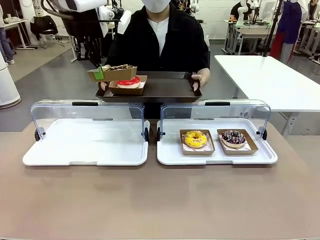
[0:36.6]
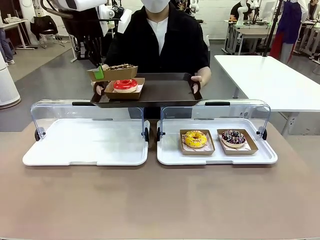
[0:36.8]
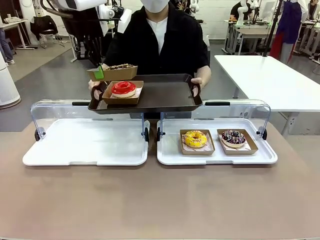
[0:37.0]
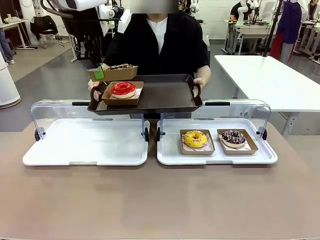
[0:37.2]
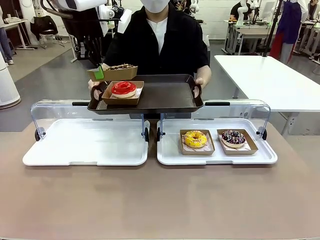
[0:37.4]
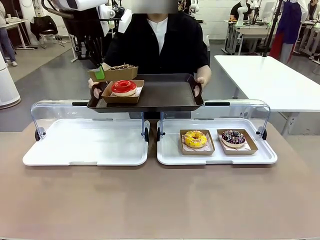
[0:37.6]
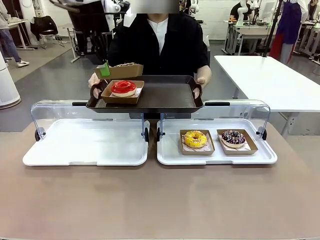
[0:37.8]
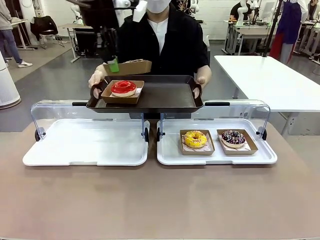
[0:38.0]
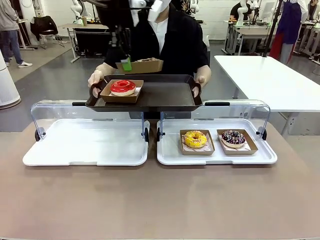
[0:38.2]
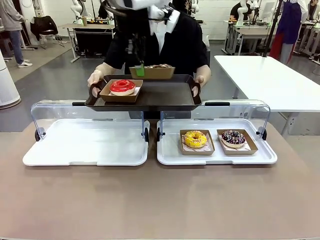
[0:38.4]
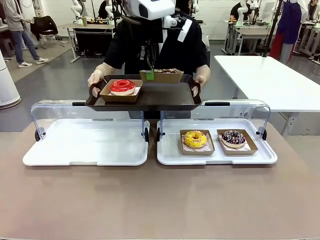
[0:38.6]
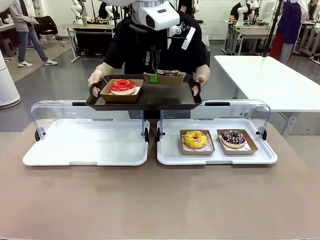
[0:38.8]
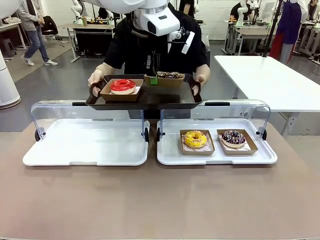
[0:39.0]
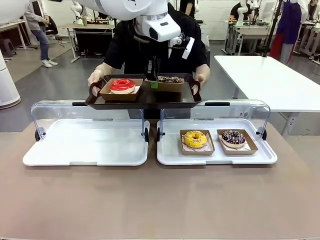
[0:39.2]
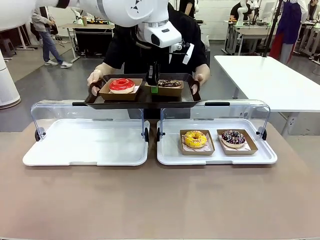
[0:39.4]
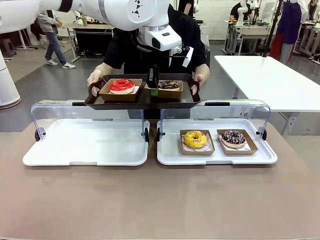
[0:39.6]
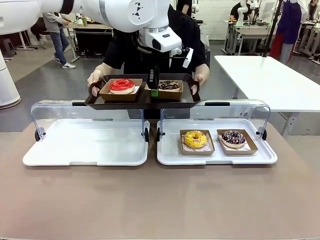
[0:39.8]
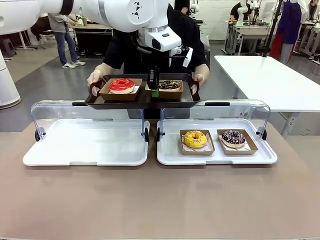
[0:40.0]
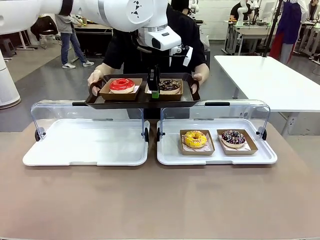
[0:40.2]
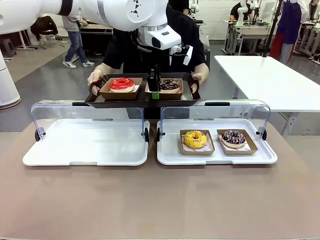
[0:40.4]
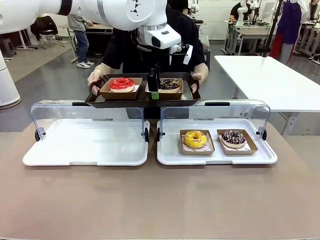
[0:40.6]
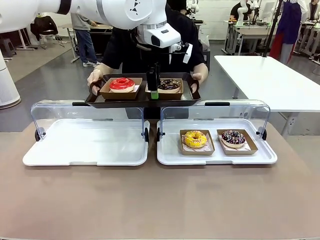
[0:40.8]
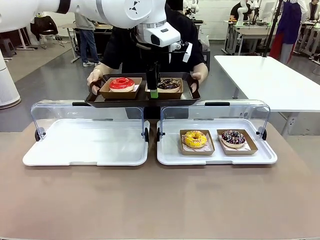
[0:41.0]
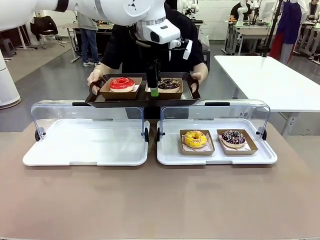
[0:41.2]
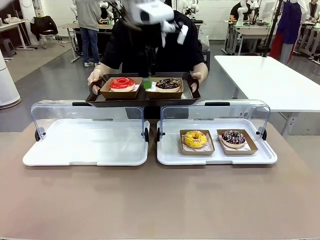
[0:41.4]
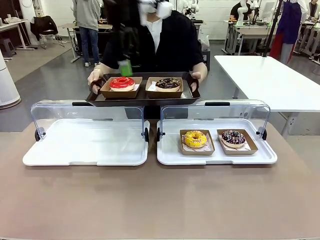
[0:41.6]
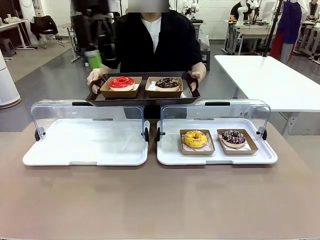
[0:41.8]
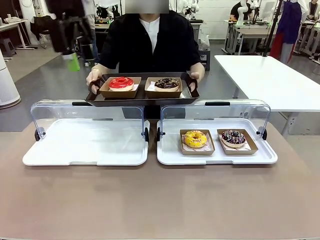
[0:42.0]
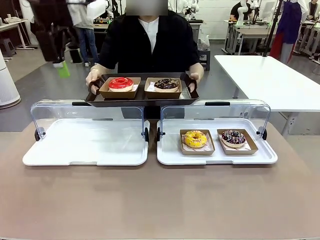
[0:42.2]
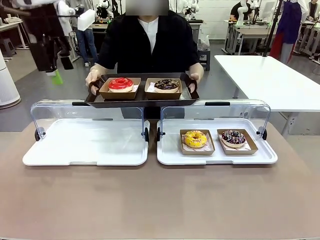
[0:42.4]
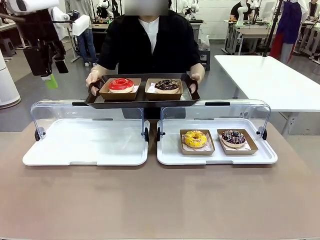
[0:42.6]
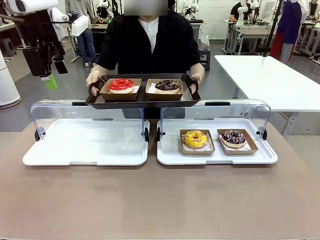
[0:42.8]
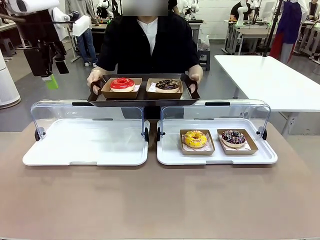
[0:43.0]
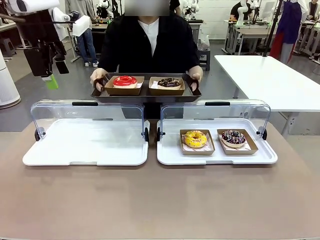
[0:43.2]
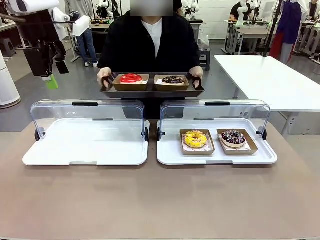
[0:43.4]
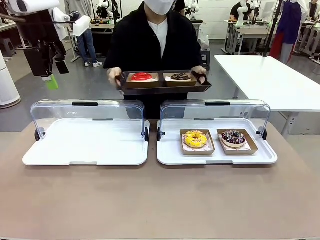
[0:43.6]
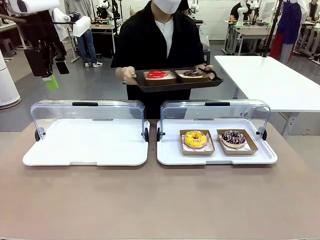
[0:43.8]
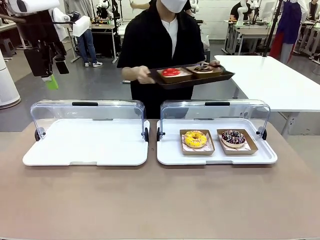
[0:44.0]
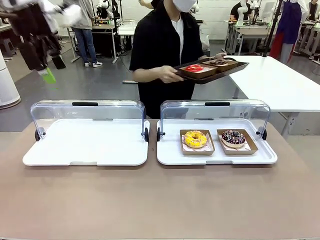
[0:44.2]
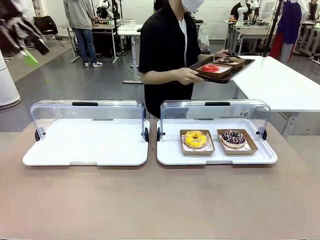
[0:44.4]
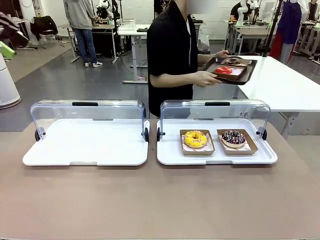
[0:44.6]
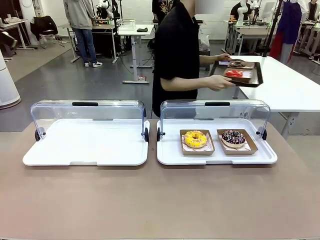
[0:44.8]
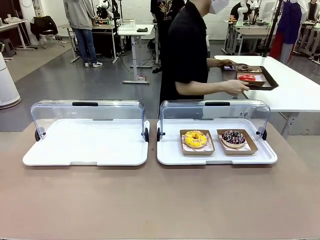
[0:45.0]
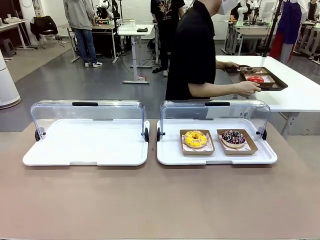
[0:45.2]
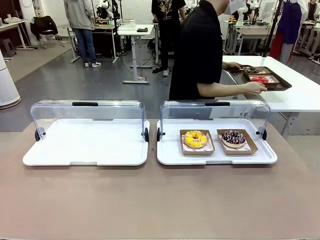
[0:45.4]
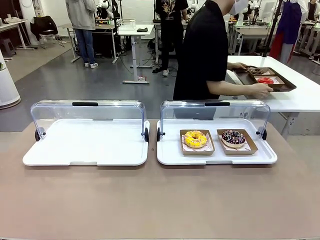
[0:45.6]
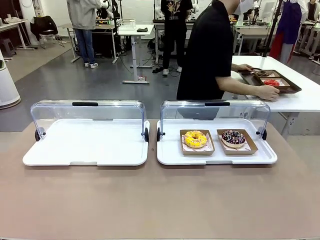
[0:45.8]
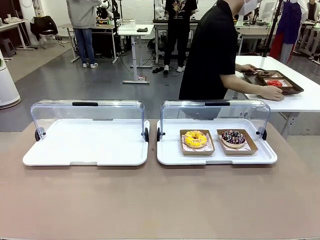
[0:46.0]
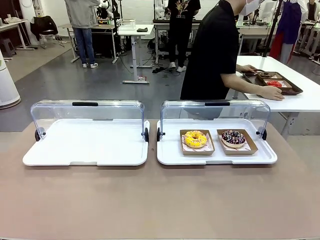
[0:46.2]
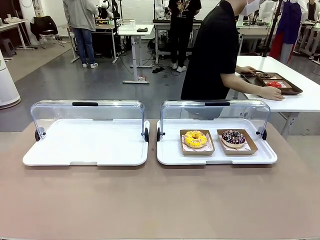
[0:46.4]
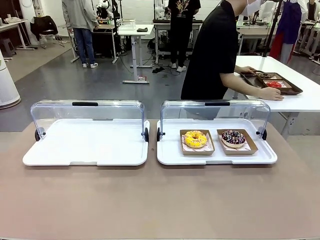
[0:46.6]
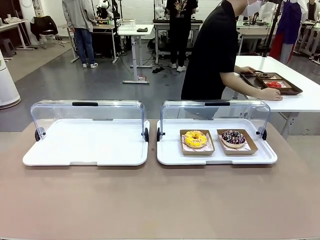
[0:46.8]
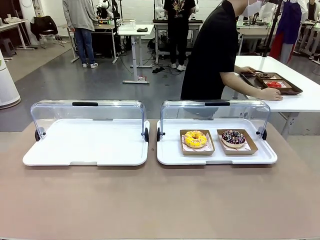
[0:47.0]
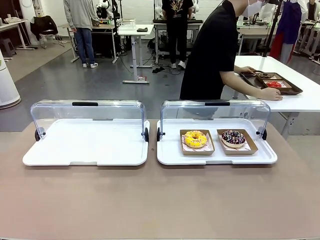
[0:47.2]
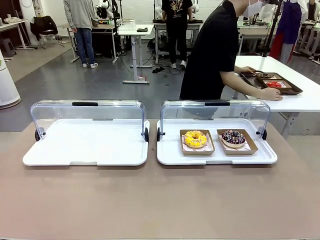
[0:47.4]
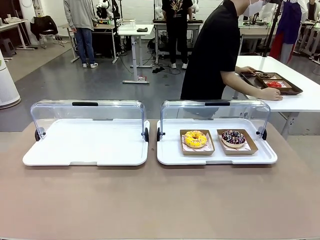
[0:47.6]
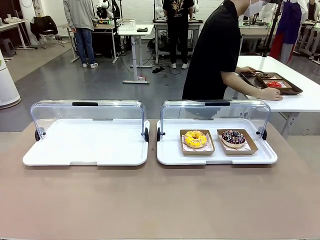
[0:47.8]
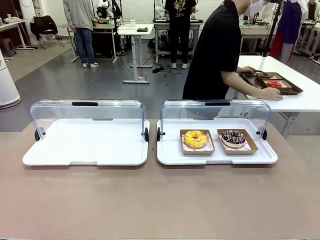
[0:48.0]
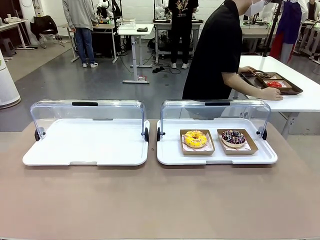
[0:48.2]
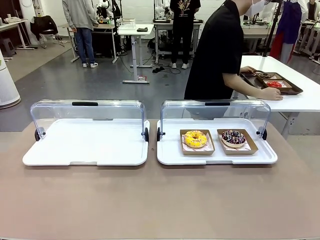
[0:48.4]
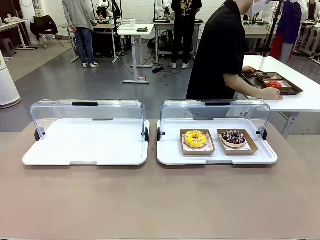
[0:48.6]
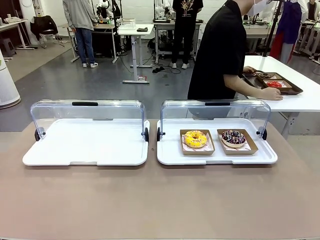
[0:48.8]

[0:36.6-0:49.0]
Task: Provide the desired donut to the person.
Robot: Place the picked Paper togo box onto the Handle tray extended by the person.
Person: Place the tray in the middle of the human table.

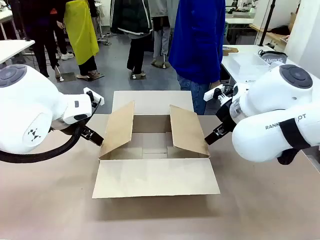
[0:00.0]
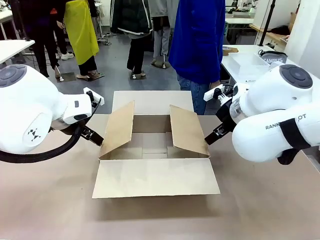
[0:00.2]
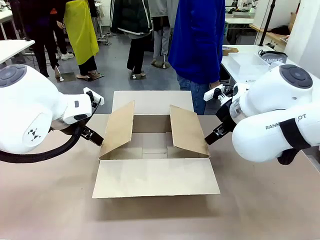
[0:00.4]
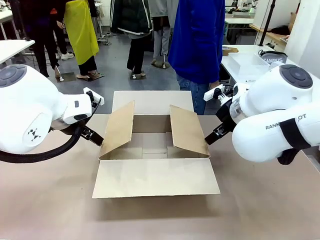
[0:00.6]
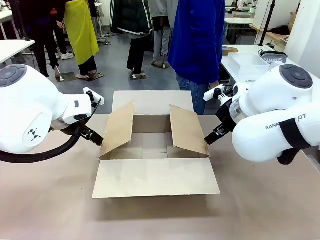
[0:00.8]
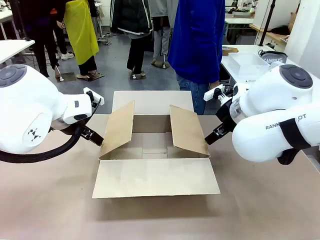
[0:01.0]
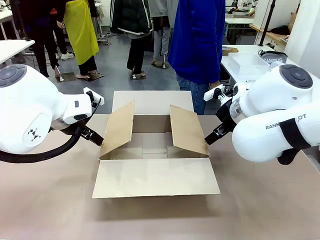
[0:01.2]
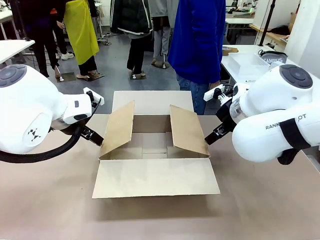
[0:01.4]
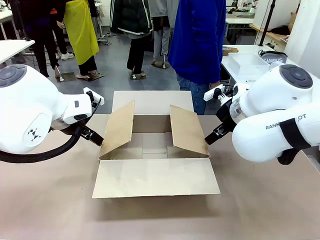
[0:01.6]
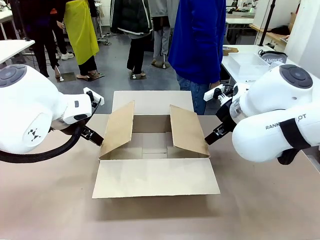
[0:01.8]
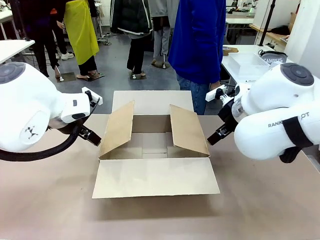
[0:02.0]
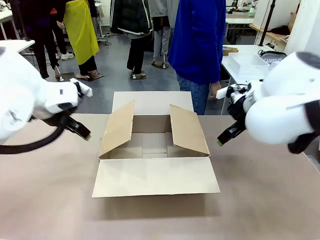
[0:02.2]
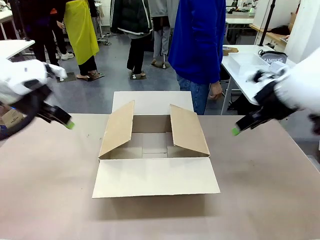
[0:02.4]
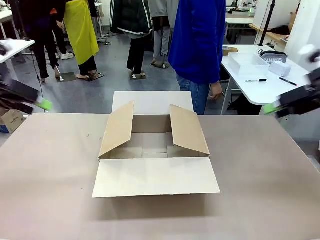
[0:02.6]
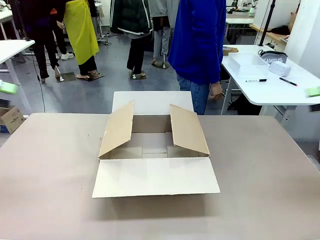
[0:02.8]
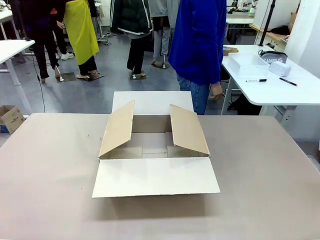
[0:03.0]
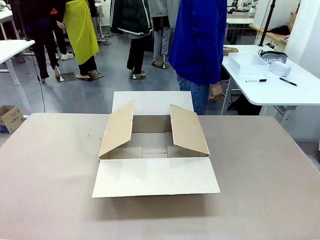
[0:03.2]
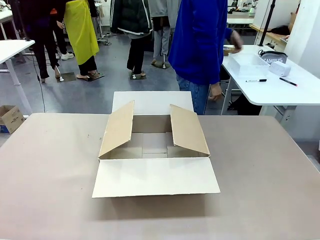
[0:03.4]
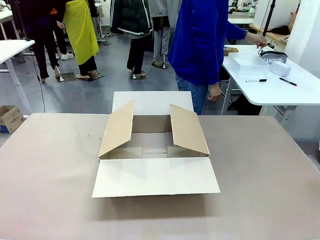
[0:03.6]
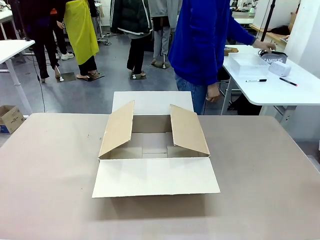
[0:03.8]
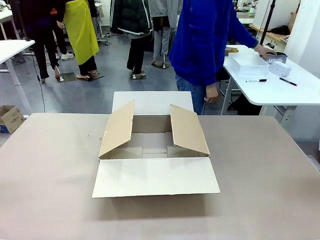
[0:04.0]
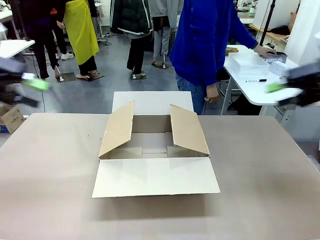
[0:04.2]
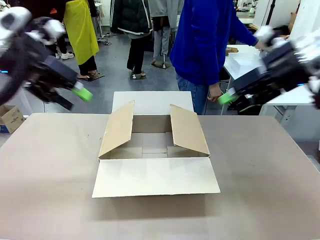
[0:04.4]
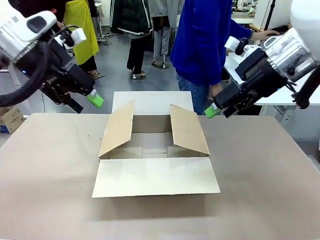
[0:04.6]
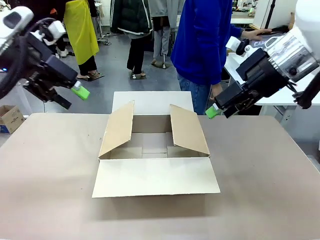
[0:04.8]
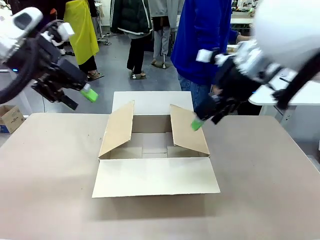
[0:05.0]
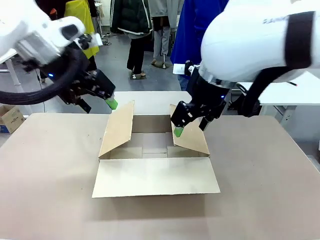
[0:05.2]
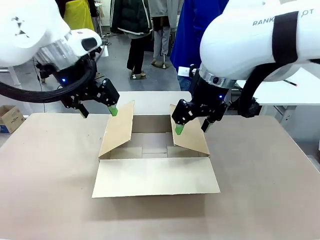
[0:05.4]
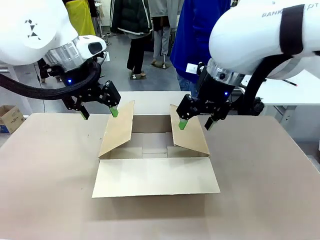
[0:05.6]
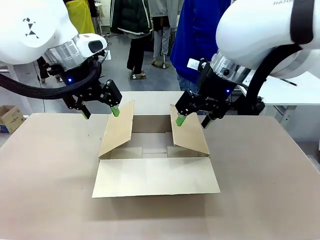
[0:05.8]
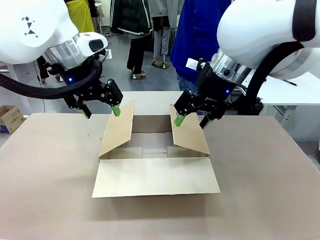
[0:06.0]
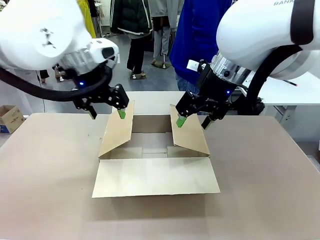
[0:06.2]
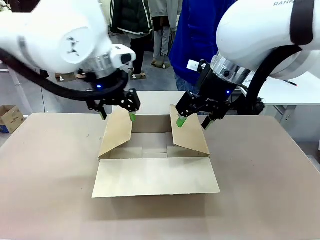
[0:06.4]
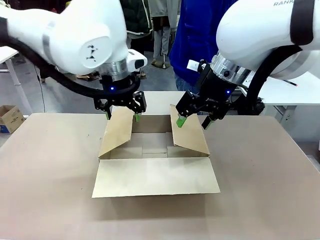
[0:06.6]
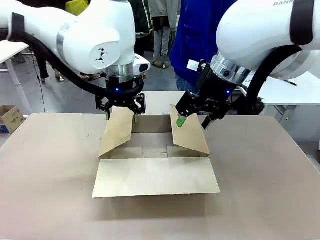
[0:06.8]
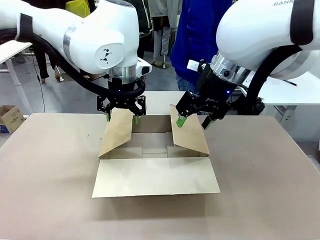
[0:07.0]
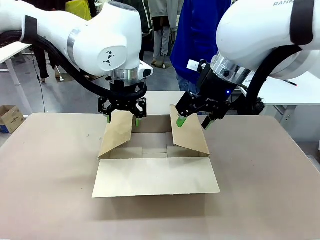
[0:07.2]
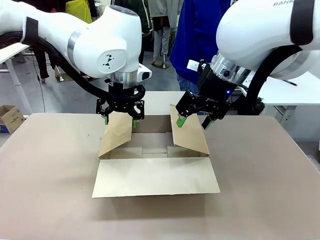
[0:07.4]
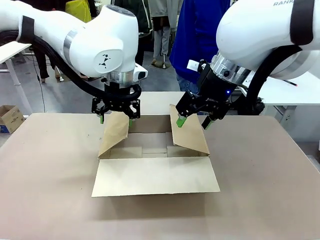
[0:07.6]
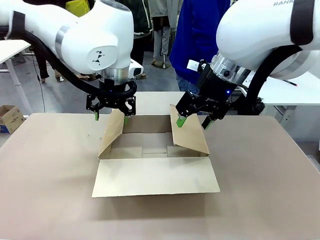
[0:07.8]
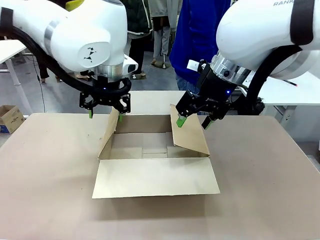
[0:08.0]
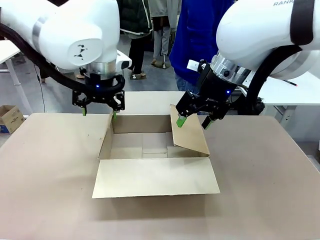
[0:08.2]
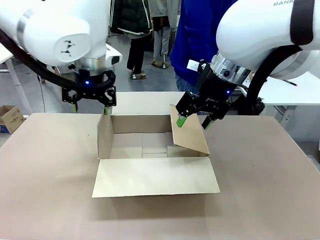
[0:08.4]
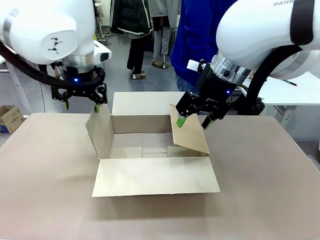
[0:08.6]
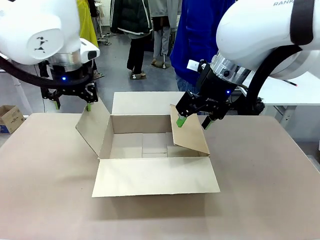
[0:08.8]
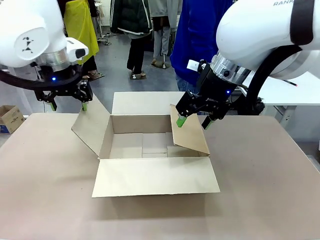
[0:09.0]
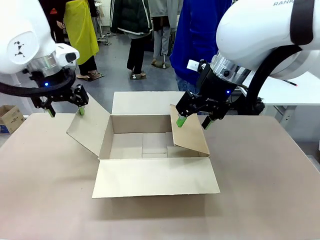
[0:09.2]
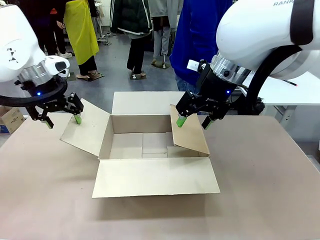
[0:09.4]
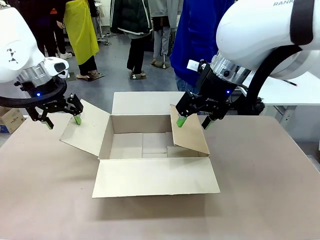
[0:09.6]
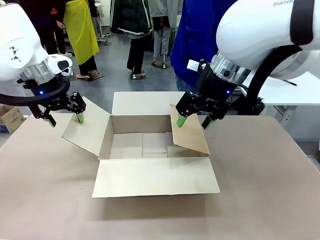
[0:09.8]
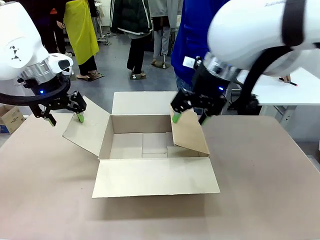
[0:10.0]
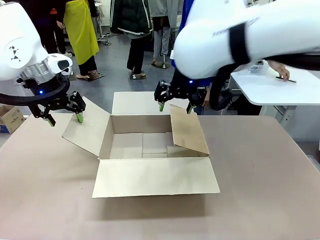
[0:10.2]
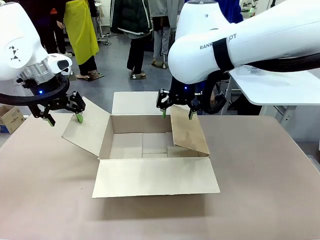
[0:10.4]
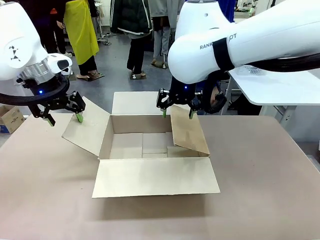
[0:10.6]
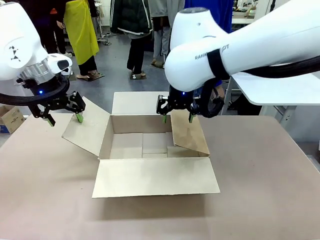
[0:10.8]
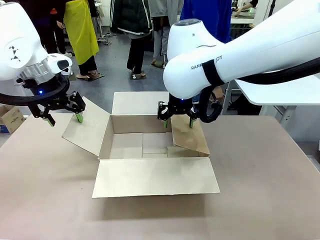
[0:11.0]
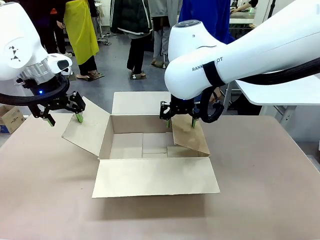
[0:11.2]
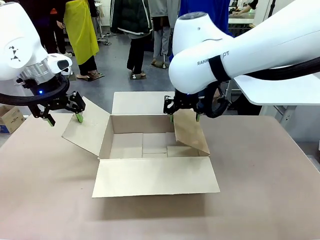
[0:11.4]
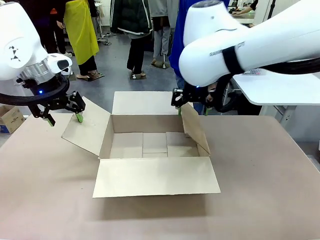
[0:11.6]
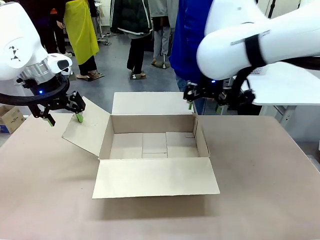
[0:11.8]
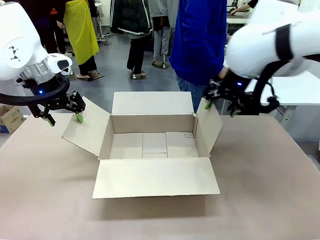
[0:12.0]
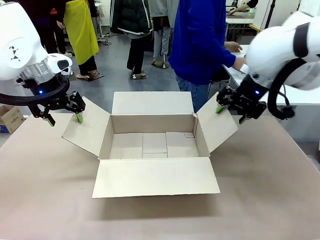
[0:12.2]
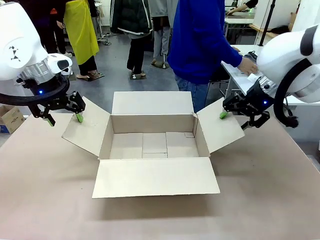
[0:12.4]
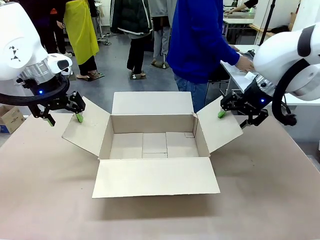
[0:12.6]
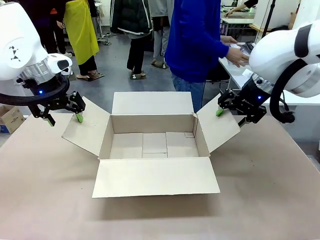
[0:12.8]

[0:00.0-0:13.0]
Task: Pack the gift set into the box.
Robot: Place both hands on the side flaps of the Package Box and spread them outward.
Person: The human places all items except the paper tape into the organizing basket.
